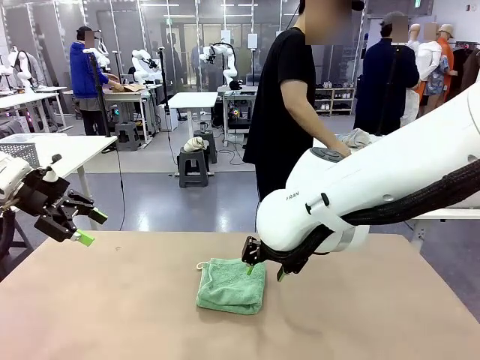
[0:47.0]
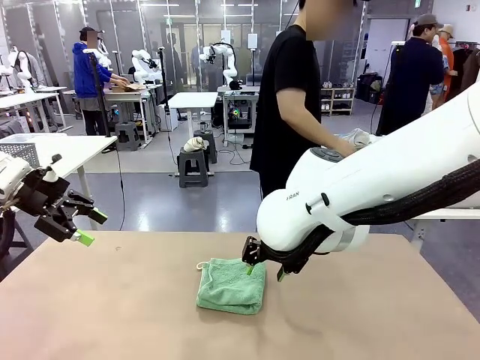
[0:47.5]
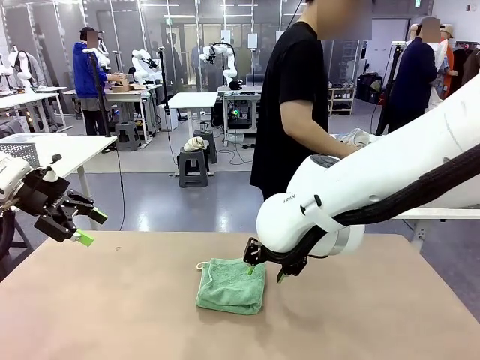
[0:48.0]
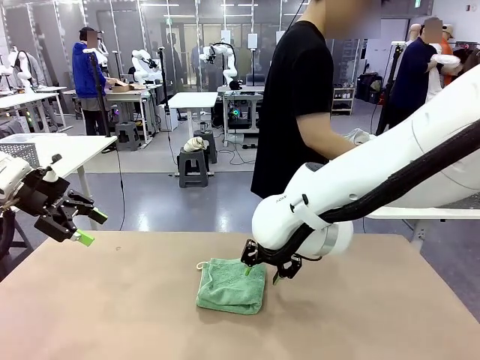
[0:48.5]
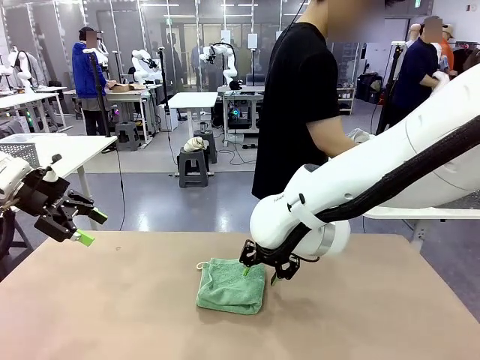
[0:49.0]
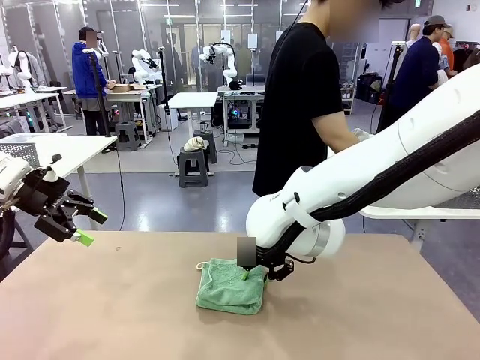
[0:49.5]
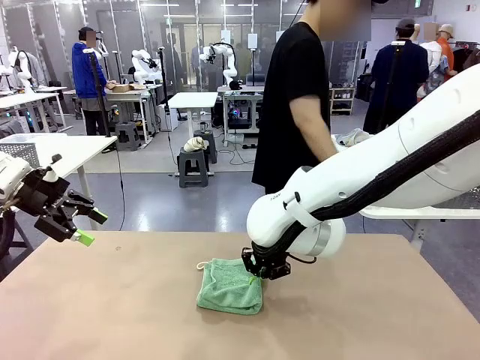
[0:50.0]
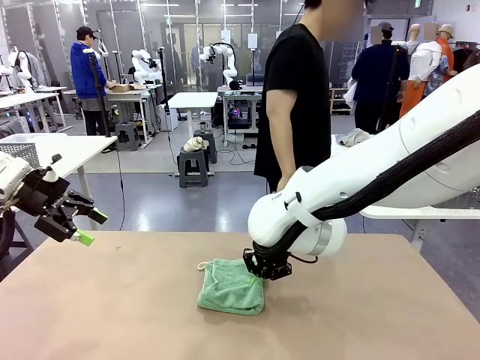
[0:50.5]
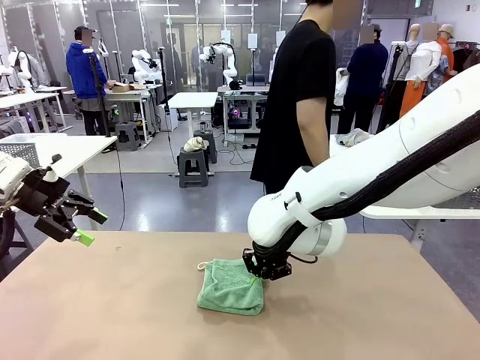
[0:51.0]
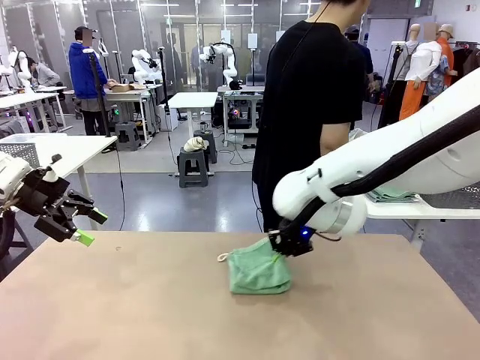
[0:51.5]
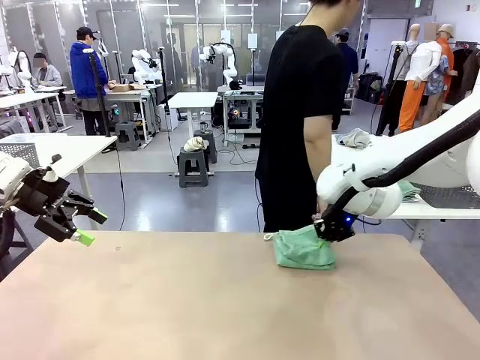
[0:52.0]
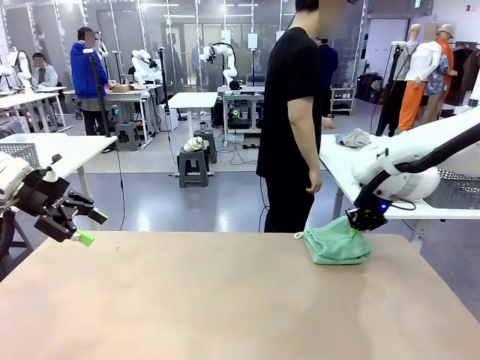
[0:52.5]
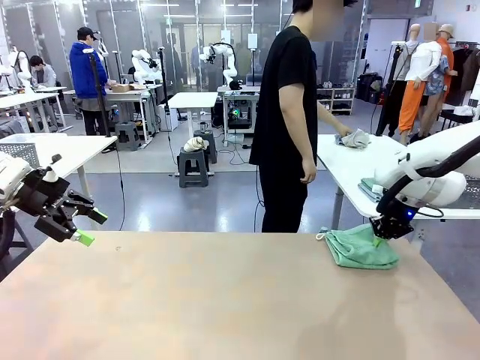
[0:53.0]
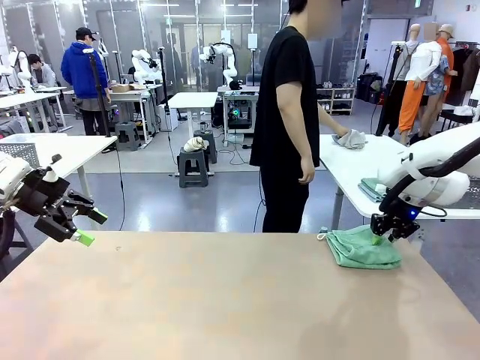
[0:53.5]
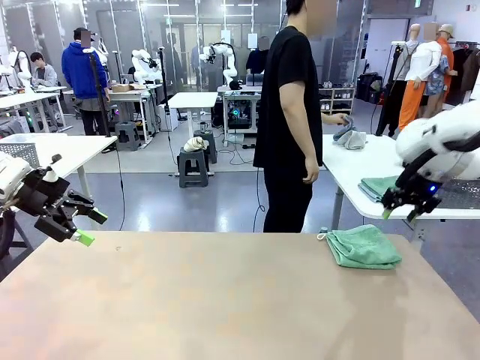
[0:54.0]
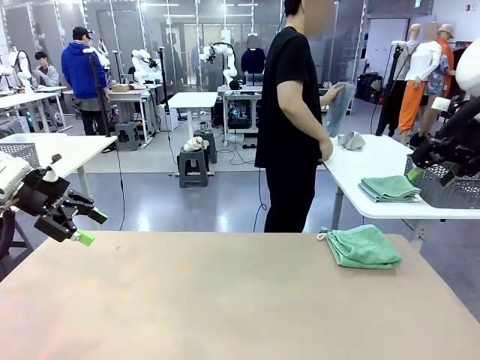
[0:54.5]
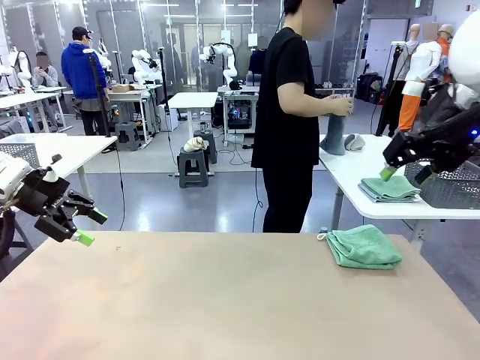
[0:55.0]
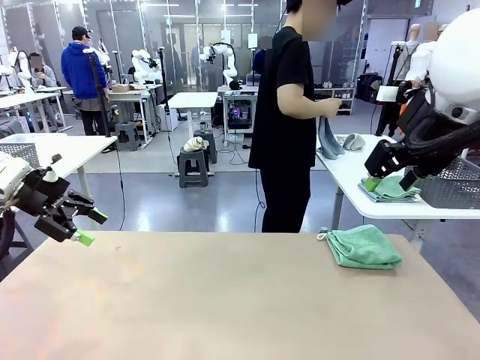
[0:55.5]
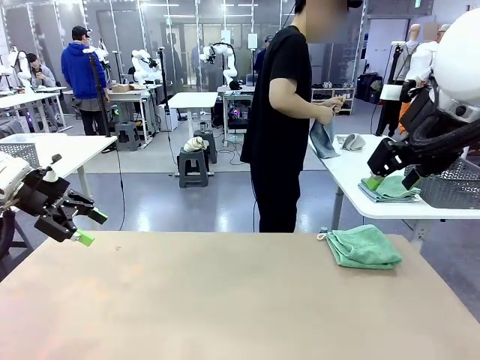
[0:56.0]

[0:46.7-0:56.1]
Task: Fold the towels and place them in the basket.
Robot: Place the folded Towel with hook on the right side of the table.
Person: Pick up one towel from the left side of the human table and spread it out at the center of the robot table.

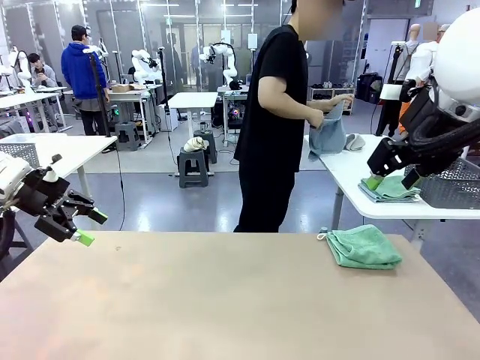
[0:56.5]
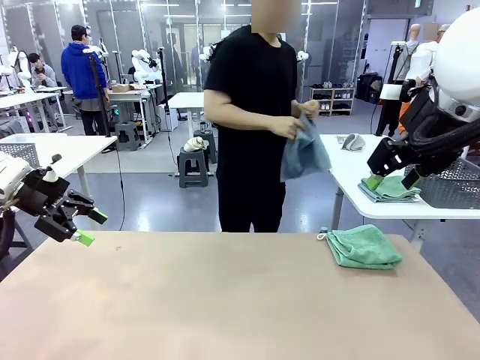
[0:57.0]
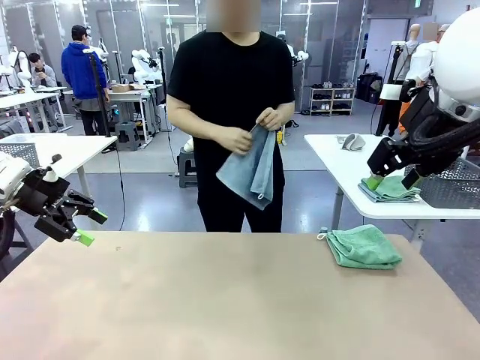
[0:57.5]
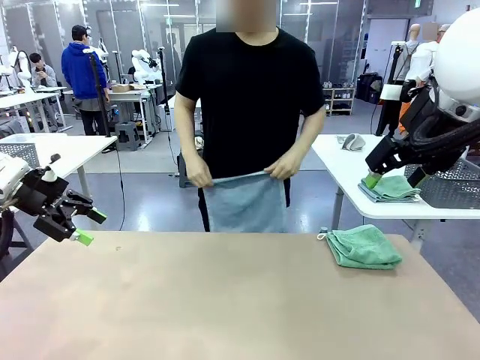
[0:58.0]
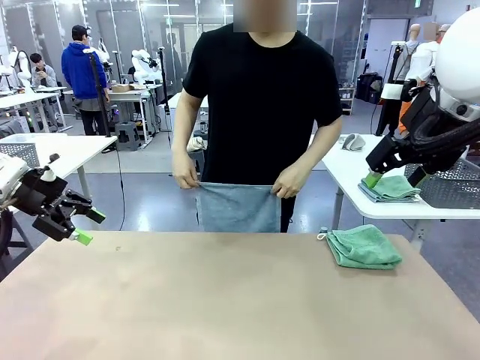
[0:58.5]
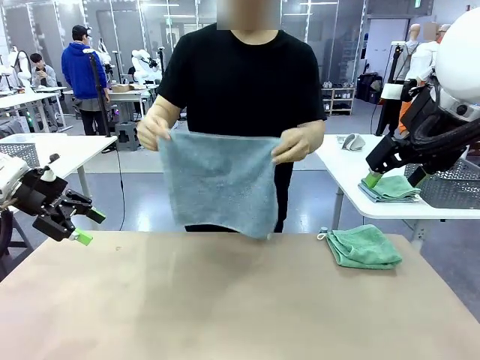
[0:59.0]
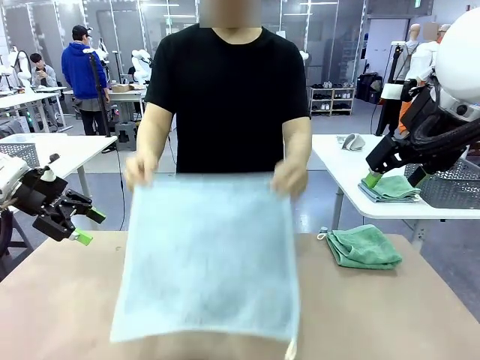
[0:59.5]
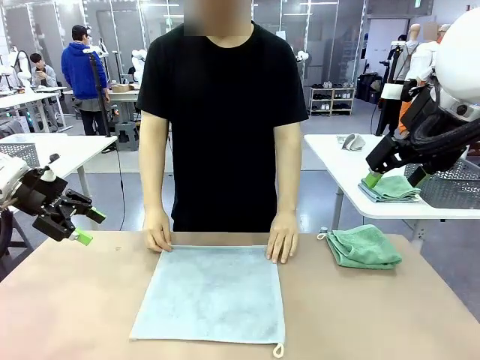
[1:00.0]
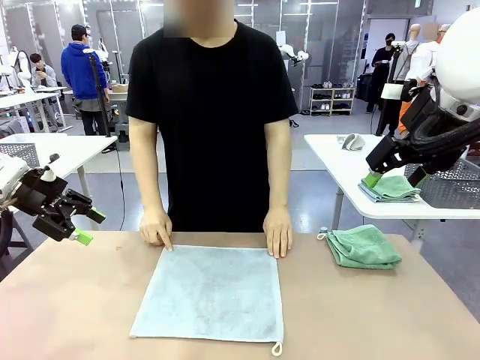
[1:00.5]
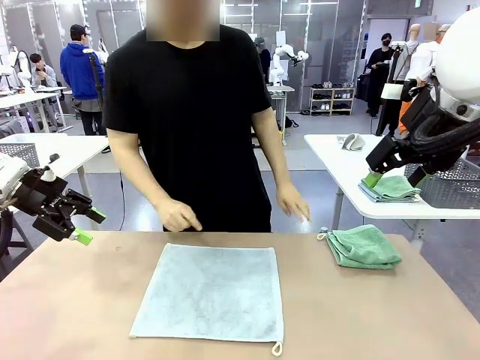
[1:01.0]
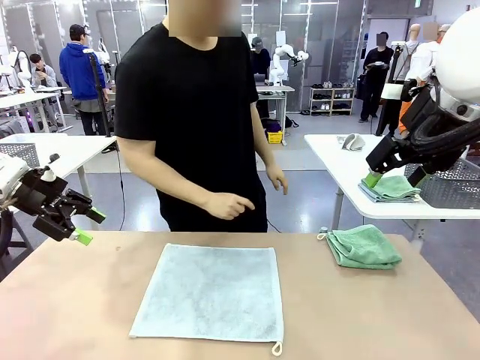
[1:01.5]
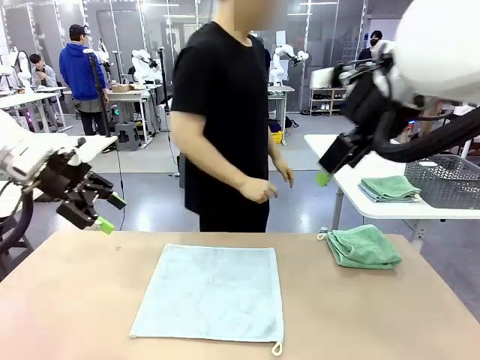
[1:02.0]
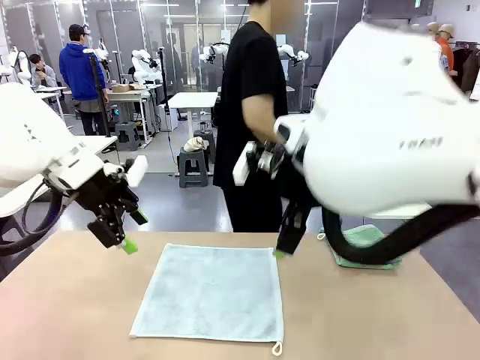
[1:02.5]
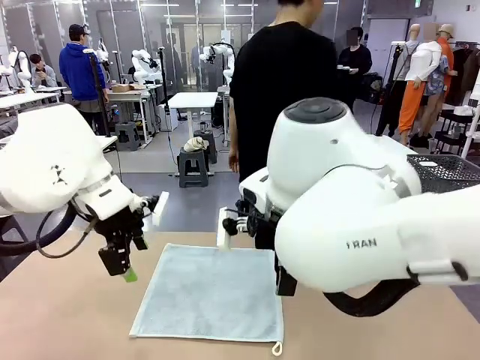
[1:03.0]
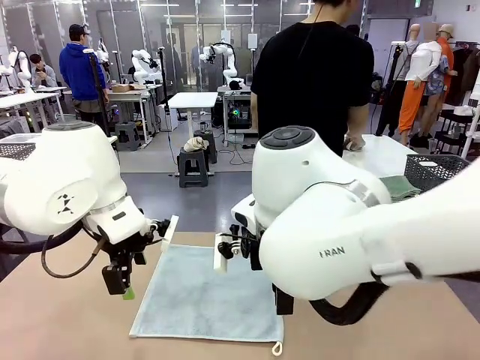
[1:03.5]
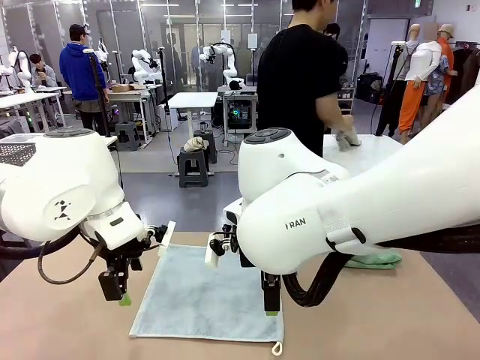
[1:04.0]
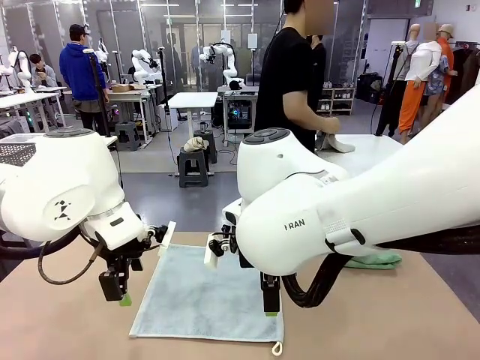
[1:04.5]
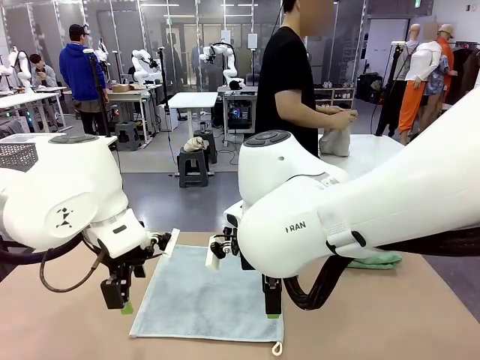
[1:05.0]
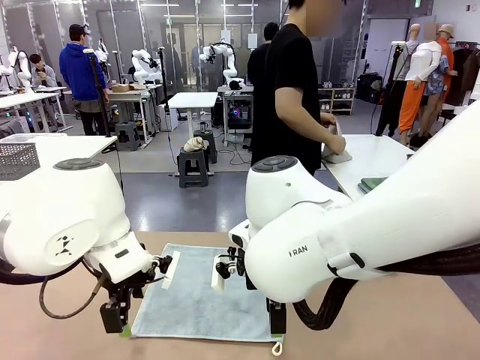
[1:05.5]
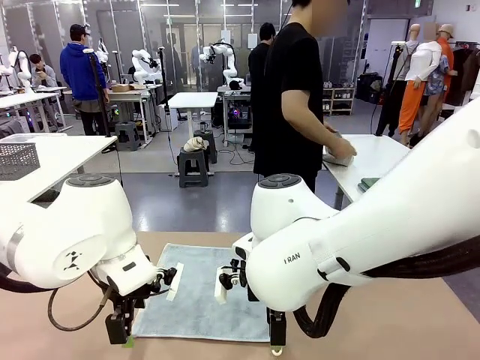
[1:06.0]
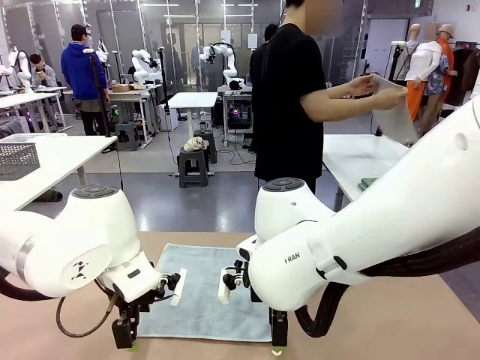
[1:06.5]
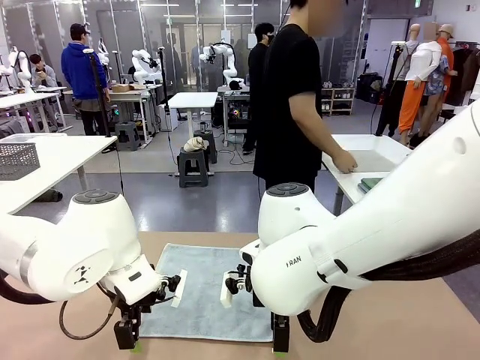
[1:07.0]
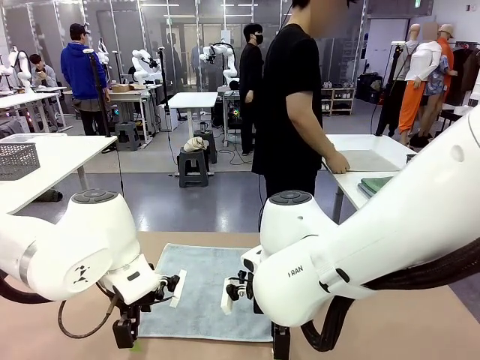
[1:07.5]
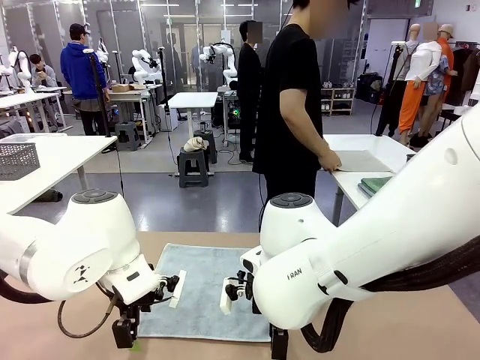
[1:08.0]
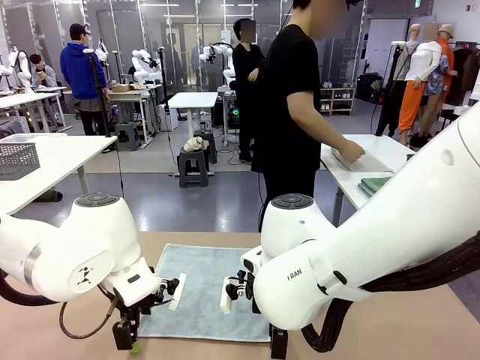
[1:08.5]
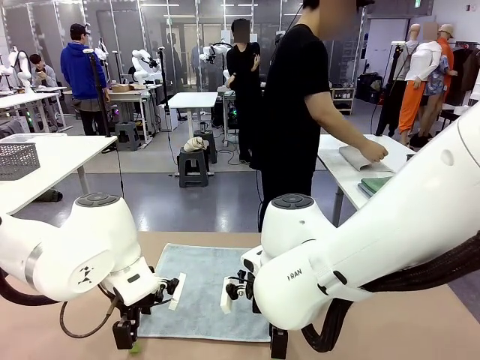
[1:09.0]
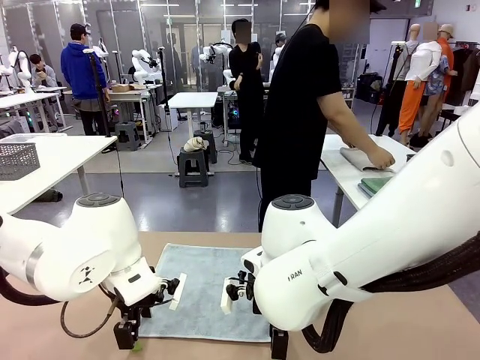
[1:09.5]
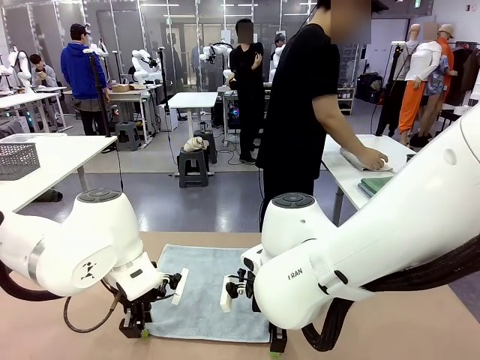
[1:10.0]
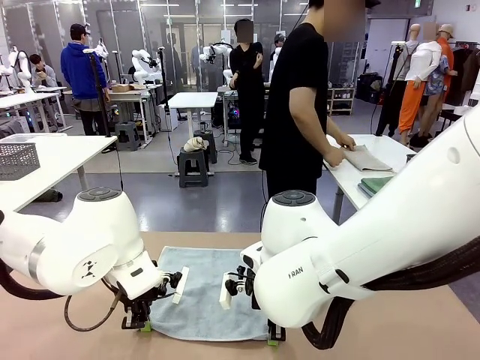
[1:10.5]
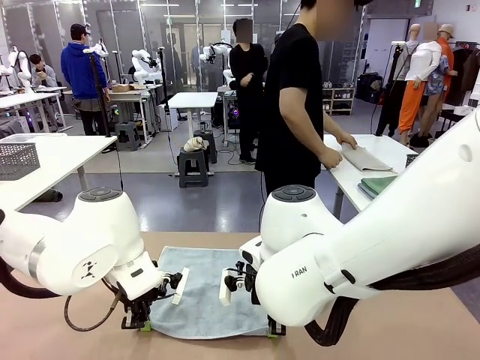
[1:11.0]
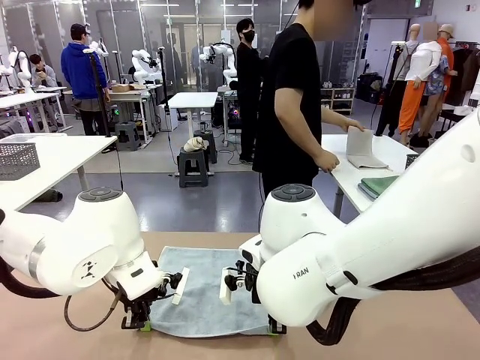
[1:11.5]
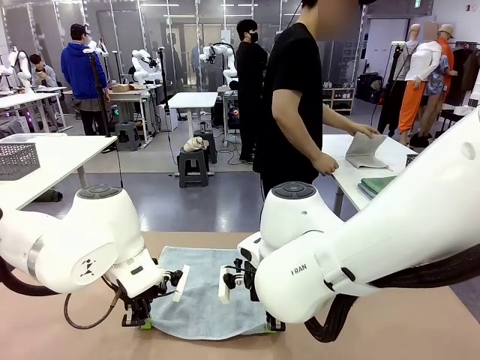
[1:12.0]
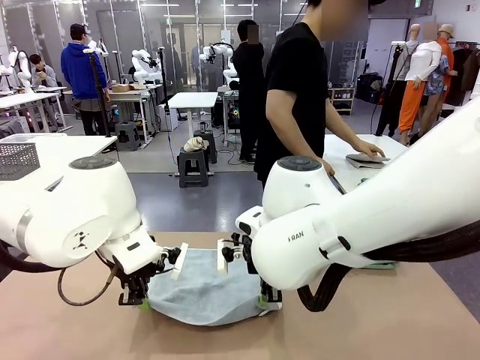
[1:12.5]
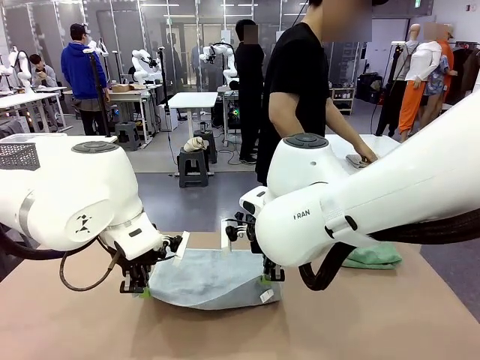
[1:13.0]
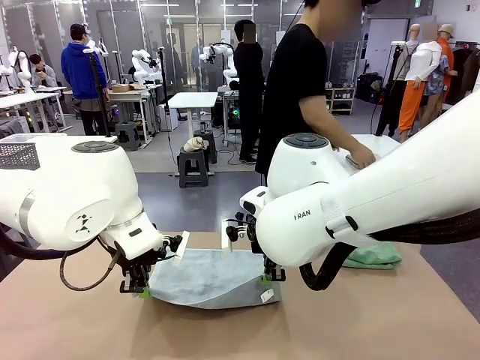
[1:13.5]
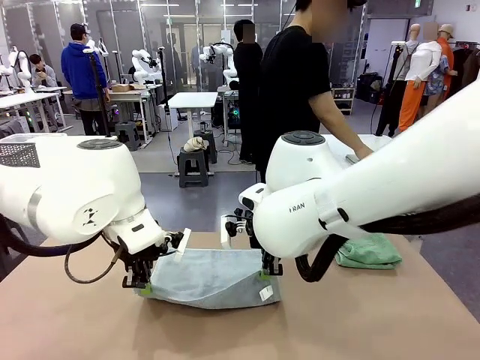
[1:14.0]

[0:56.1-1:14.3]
Robot: When a person lays out a Towel with hook on the table, fold it in half twice.
Person: Pick up one towel from the left side of the human table, fold it in half twice, and stack it on the right side of the table.
